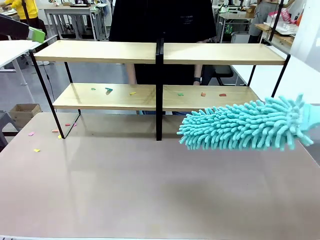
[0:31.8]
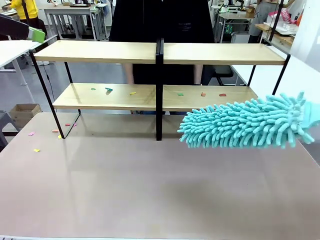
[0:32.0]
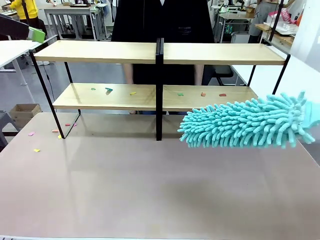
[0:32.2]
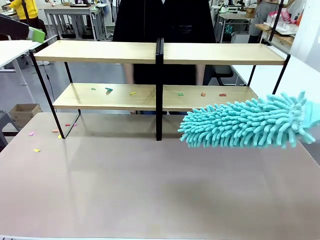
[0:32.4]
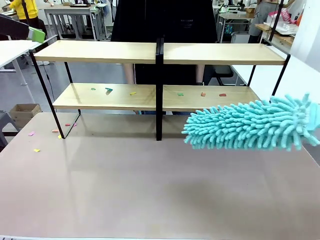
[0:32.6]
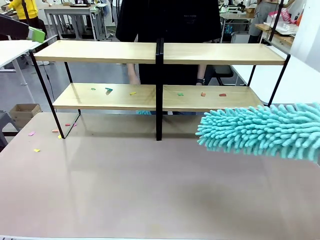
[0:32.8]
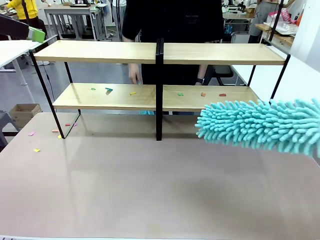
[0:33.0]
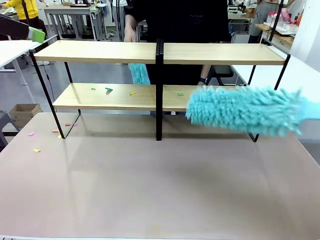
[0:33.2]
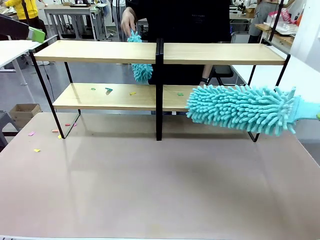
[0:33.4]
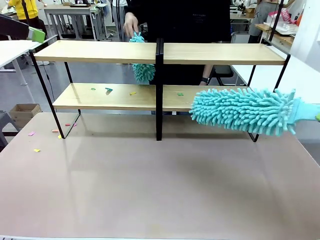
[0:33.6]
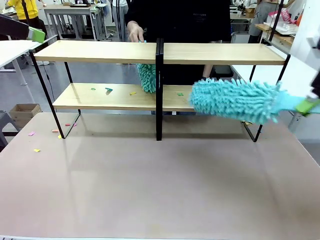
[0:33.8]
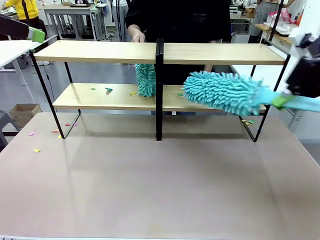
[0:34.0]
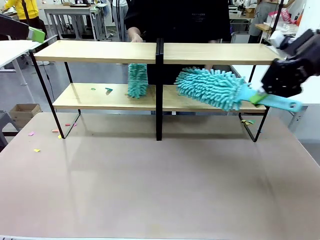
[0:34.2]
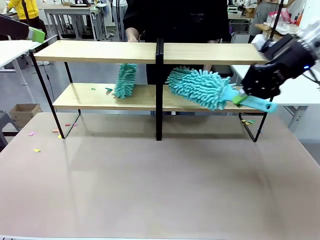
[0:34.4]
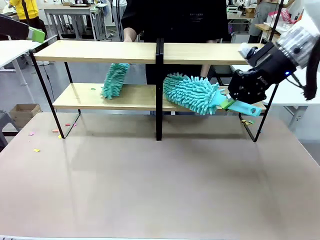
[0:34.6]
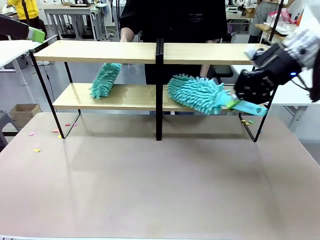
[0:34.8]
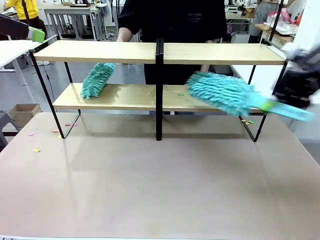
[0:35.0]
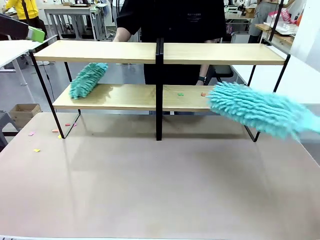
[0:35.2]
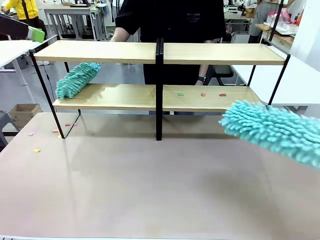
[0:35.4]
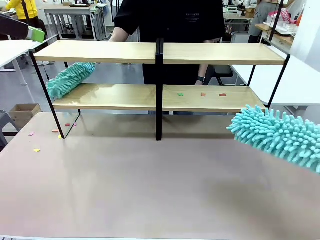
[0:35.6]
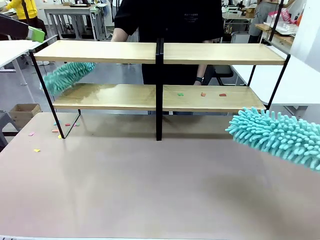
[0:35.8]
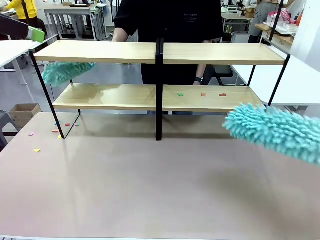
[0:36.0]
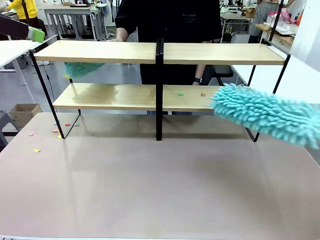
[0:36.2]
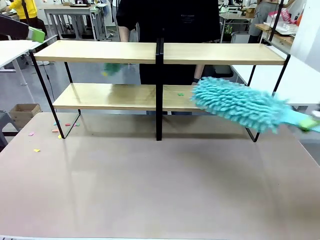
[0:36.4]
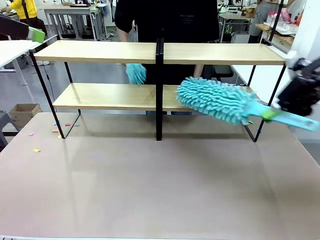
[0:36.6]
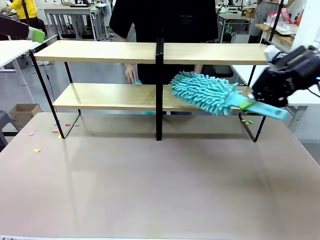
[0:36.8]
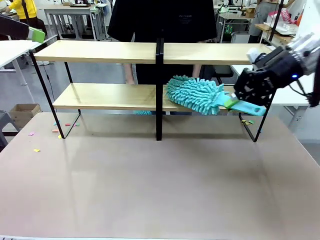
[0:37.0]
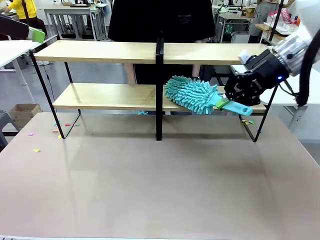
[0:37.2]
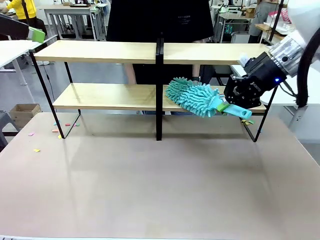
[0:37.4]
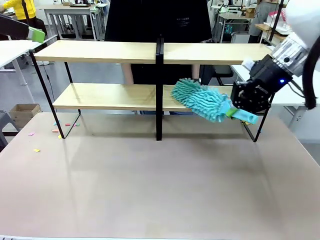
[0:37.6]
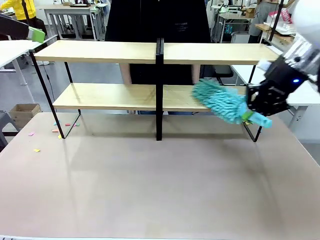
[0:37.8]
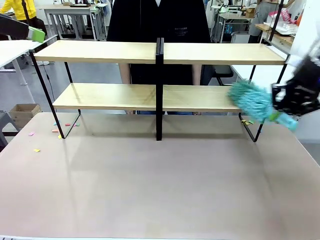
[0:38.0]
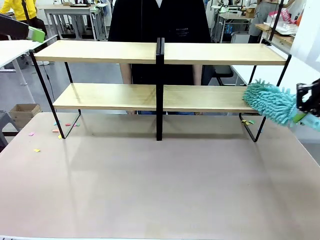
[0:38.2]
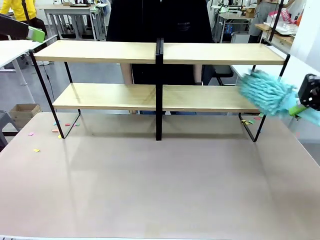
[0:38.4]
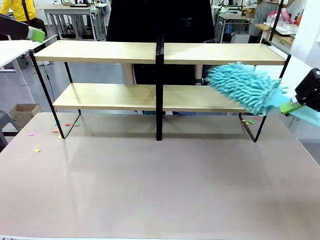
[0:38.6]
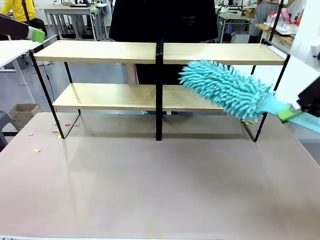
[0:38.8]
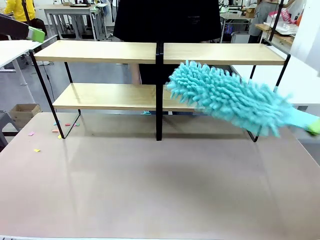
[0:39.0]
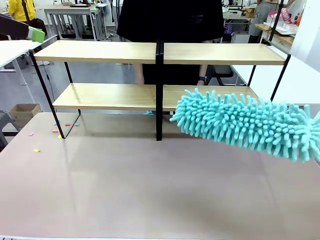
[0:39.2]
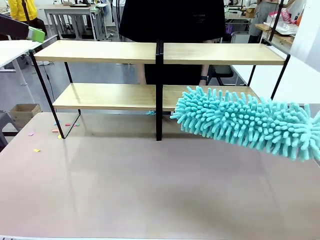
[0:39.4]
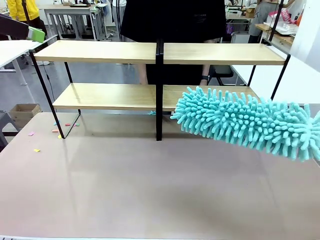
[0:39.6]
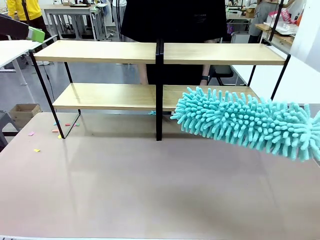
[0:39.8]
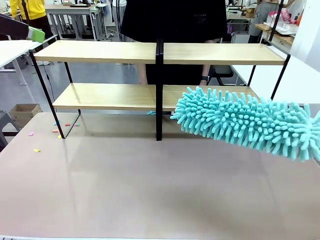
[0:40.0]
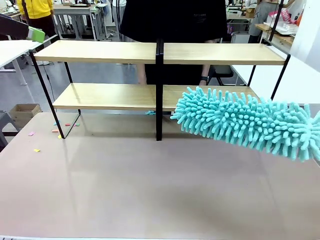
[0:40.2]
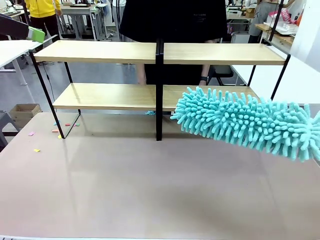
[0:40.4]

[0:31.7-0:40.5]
Task: Clean the shelves.
Robot: Clean another randomly selected level of the Shelf with the Duster.

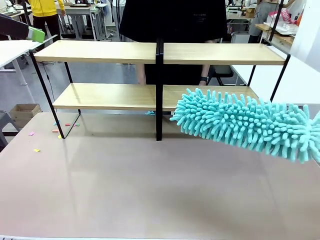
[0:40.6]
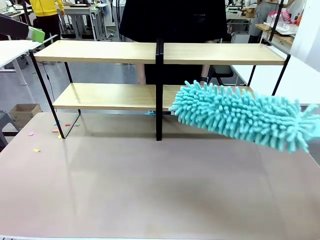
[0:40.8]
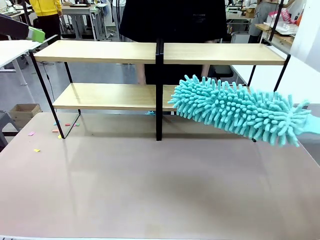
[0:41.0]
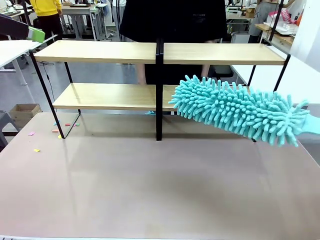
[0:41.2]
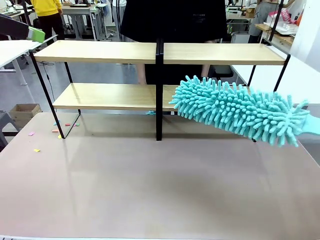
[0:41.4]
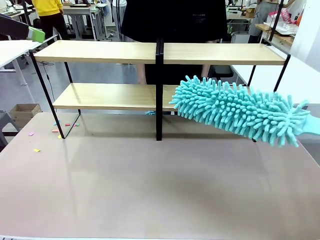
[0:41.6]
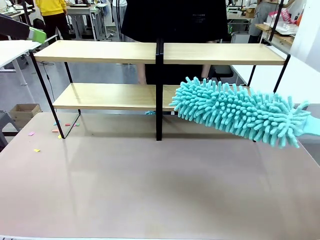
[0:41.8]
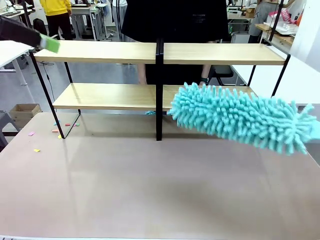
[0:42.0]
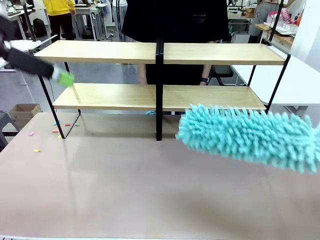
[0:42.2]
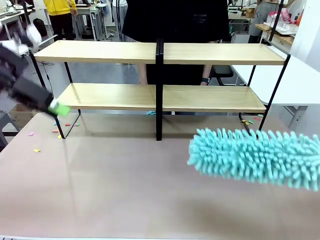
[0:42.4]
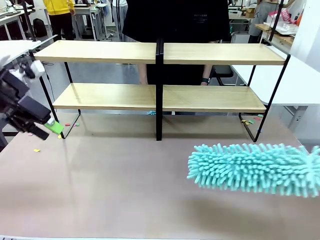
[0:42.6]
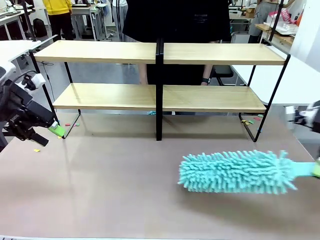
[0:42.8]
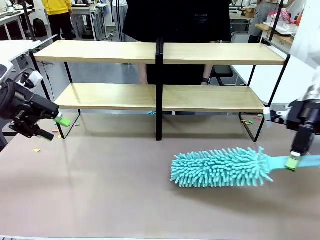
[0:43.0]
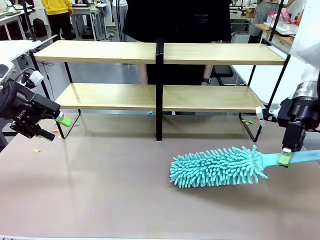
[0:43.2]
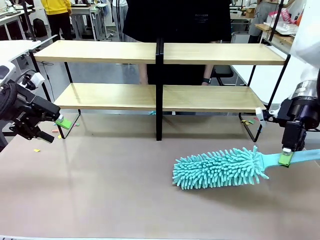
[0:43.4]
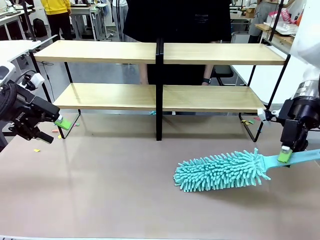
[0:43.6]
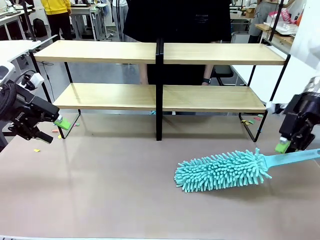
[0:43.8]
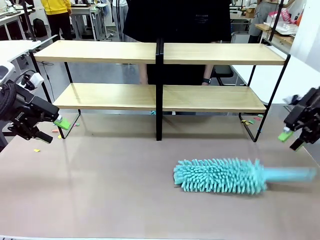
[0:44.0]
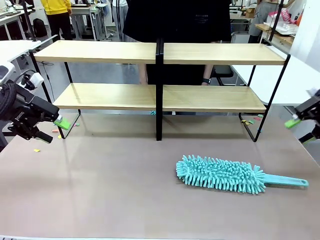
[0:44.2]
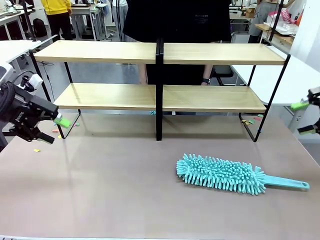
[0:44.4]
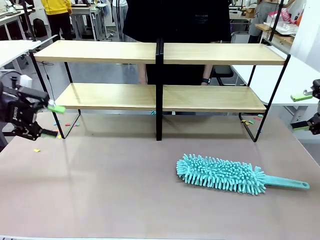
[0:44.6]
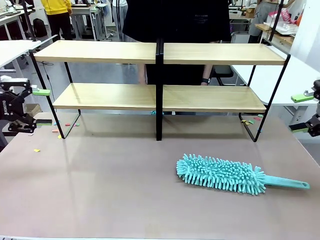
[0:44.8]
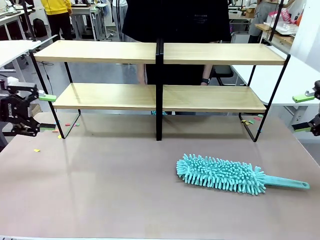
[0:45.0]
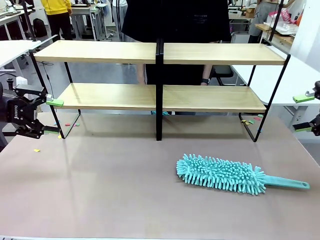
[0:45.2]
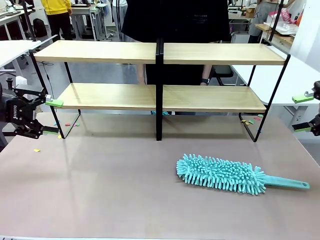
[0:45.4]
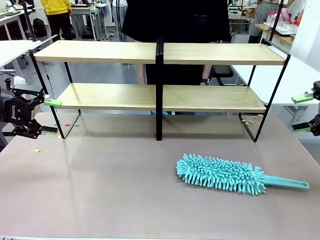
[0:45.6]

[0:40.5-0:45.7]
Robot: Place the Duster on the table.
